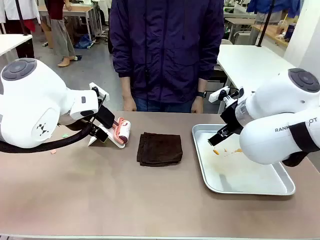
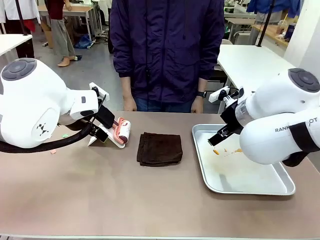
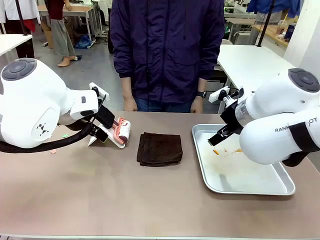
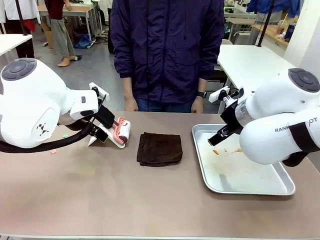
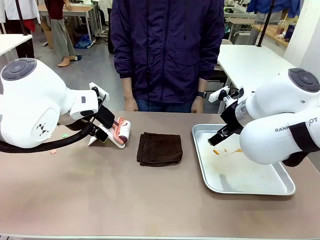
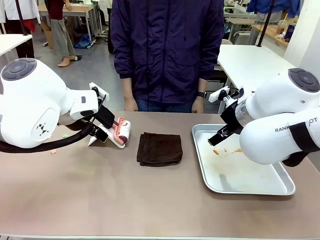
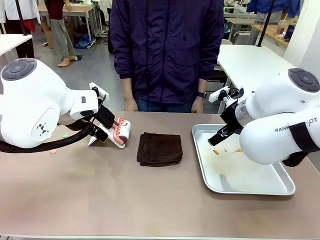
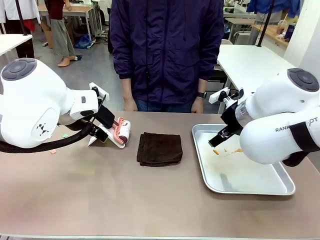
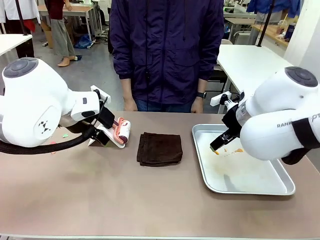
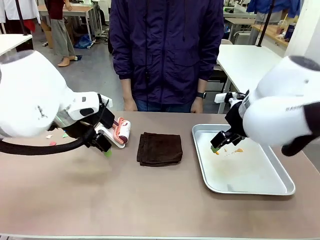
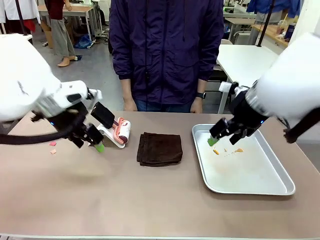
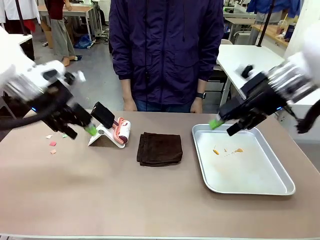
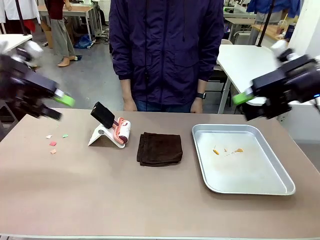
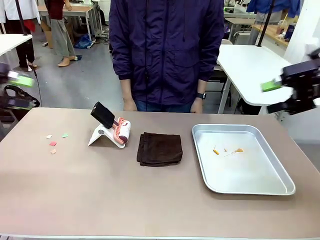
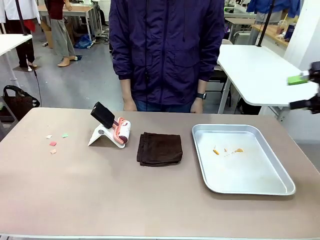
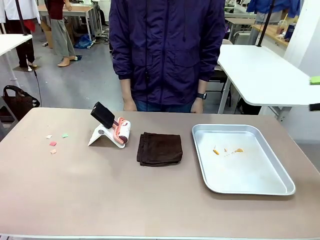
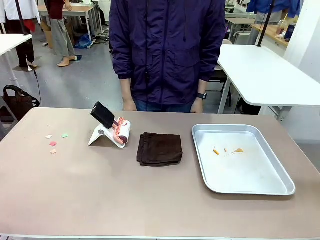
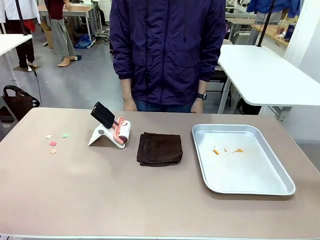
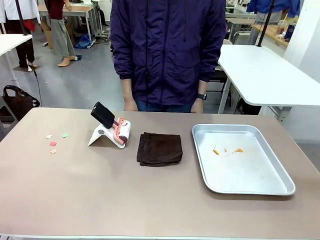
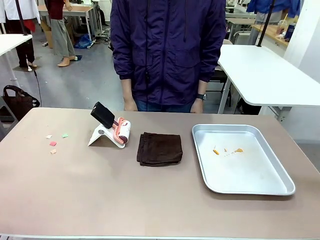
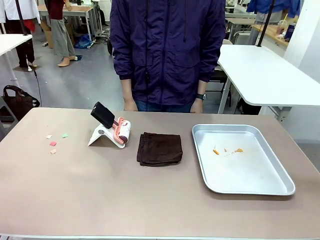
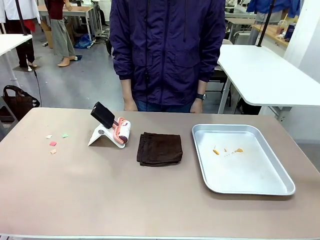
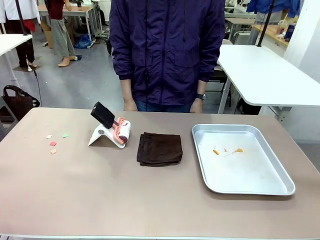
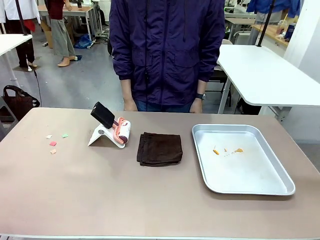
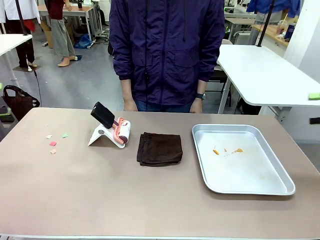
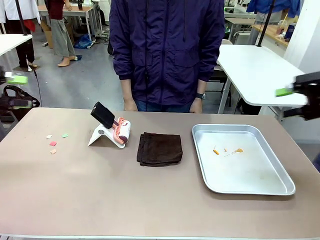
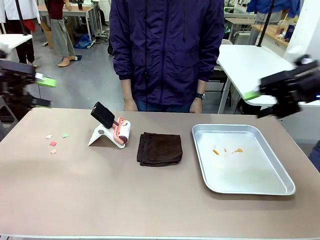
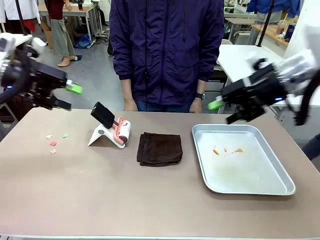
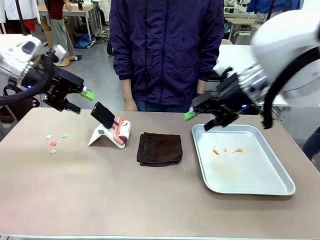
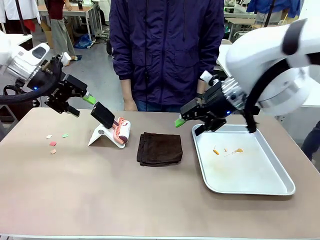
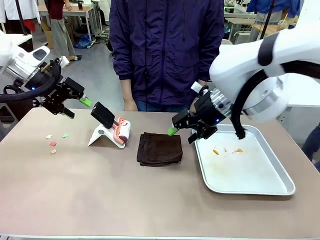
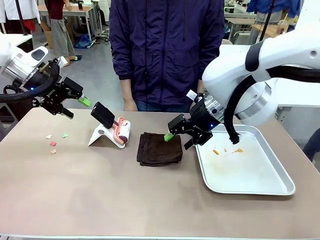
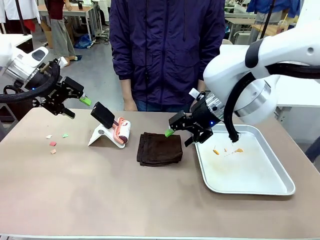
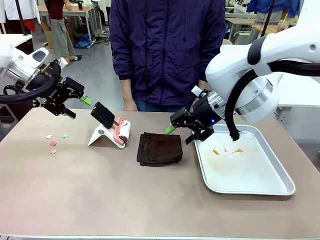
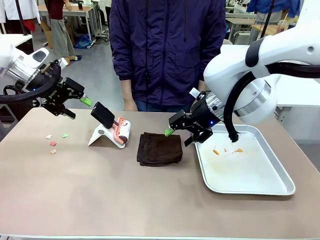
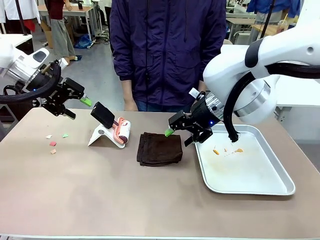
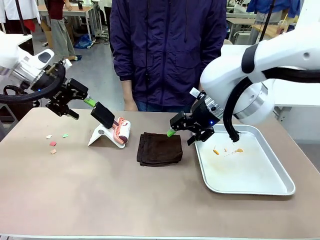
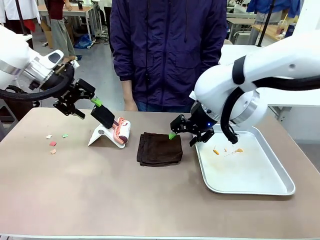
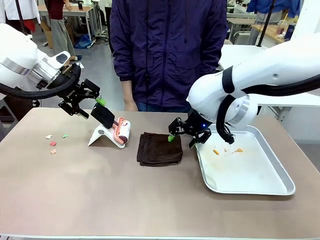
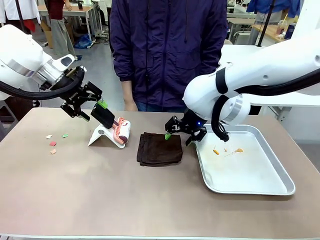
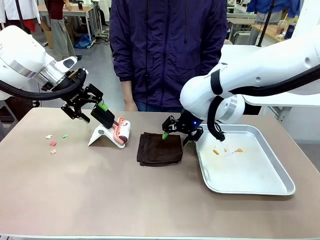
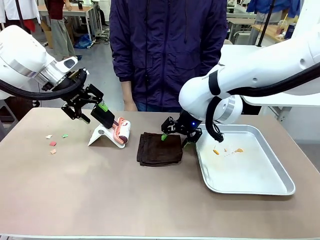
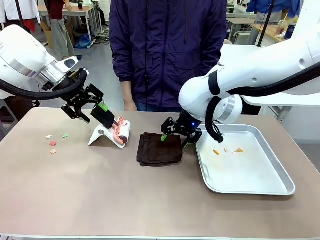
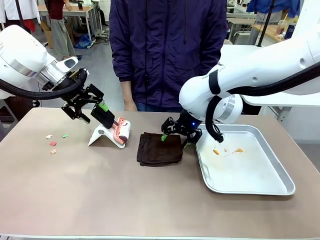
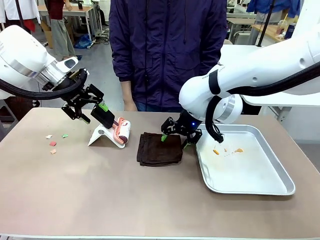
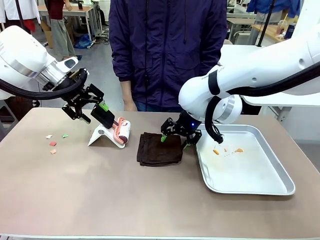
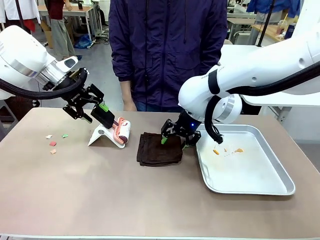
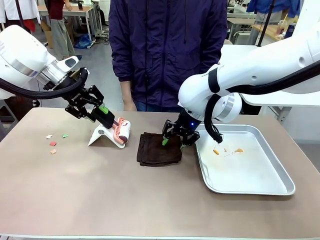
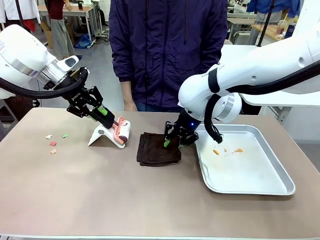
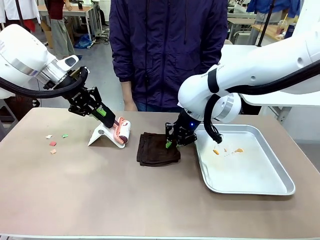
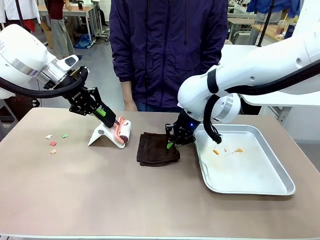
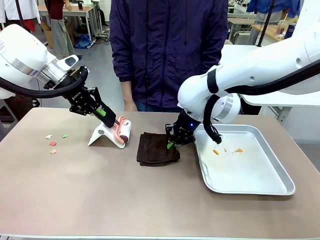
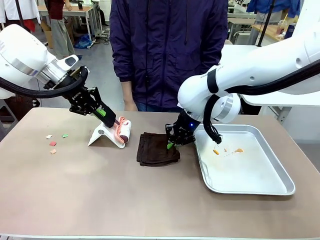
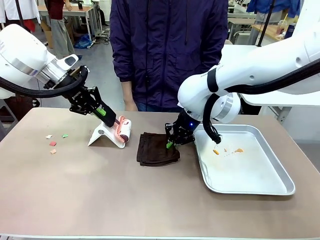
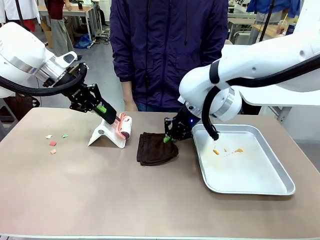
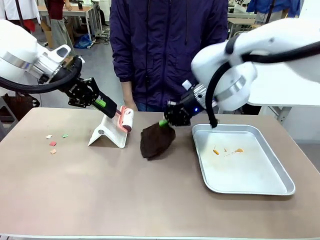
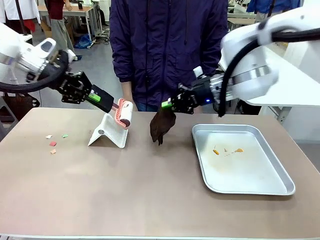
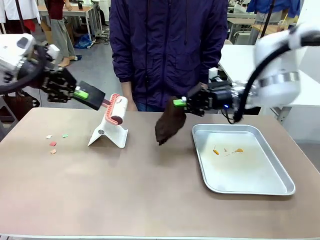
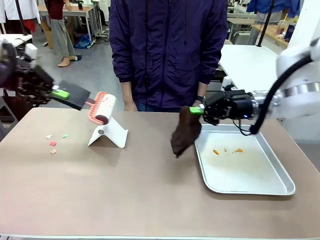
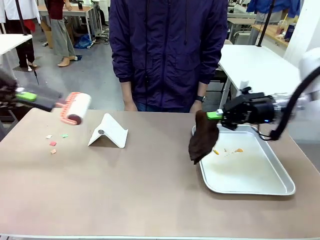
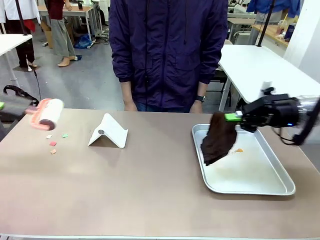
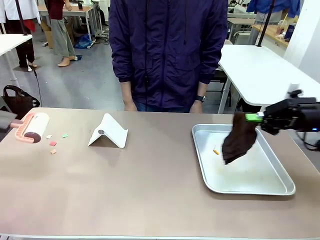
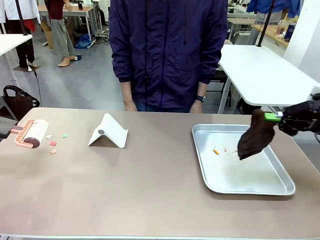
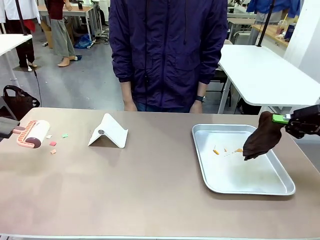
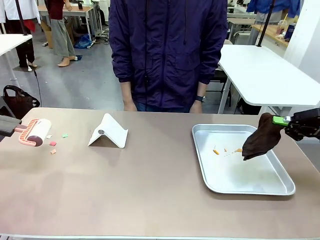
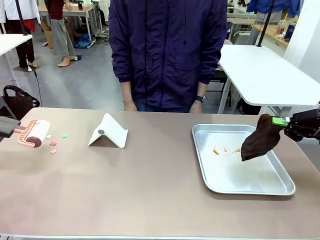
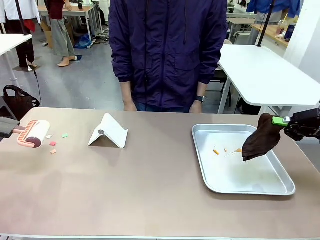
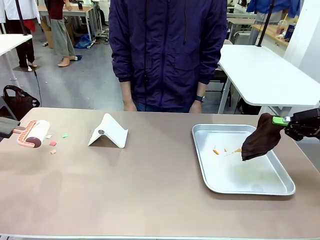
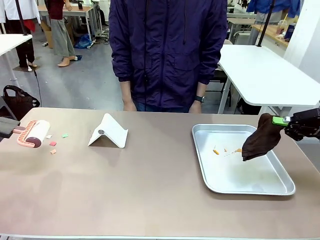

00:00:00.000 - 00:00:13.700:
Task: Clean the surface of the table.
Robot: Hold the Lint Roller with your left hand and the towel with your right hand.

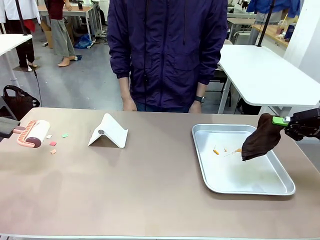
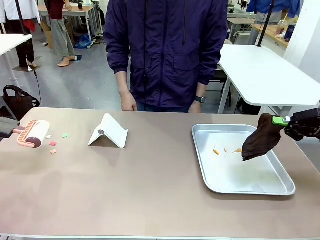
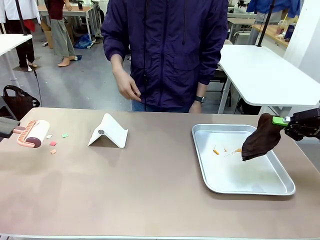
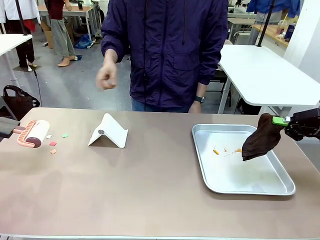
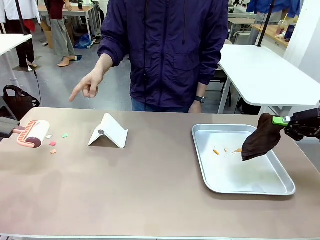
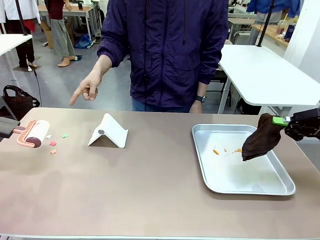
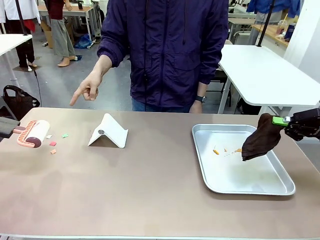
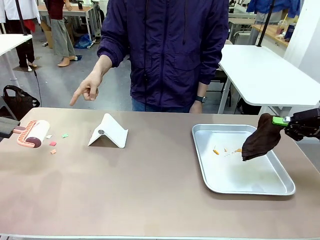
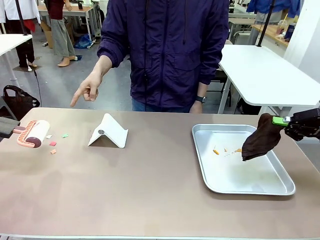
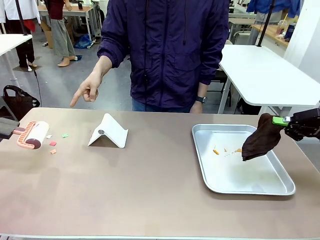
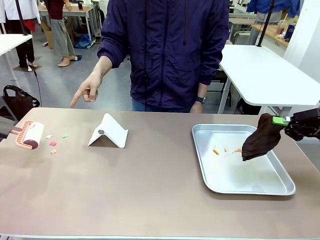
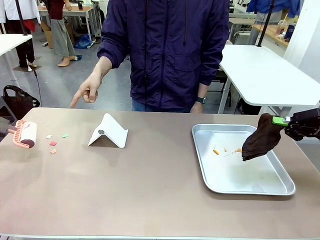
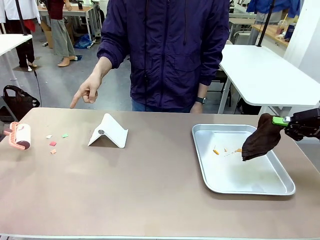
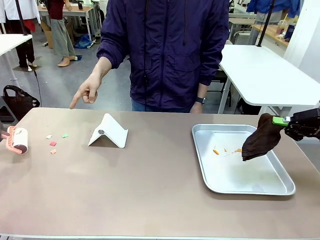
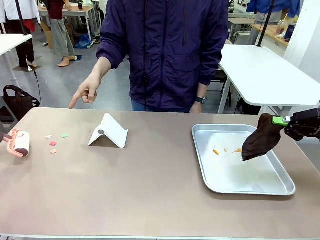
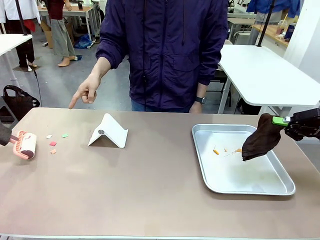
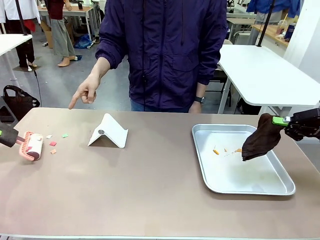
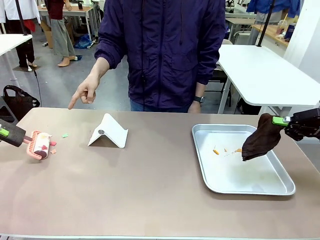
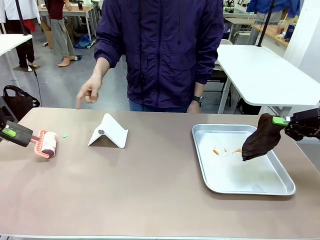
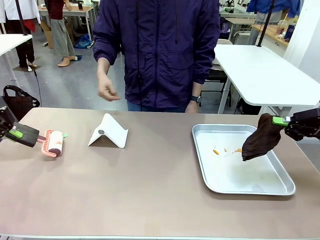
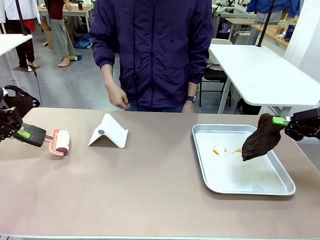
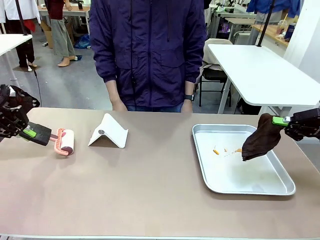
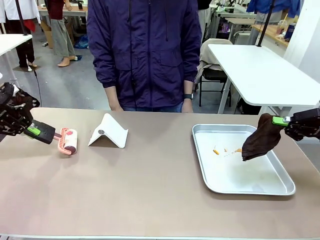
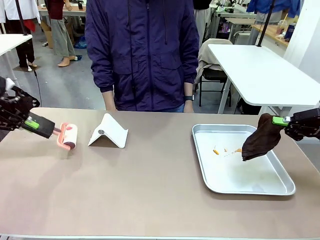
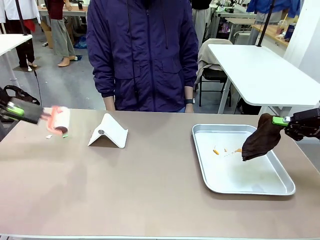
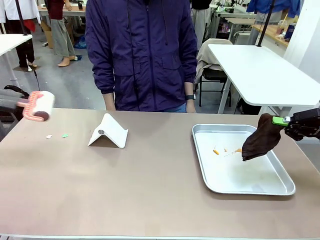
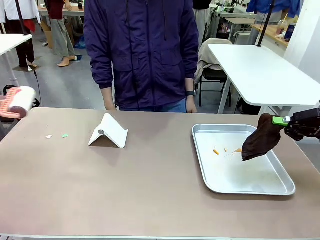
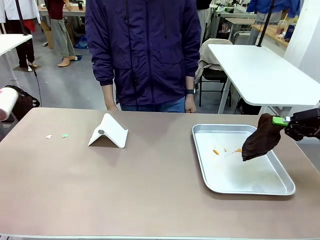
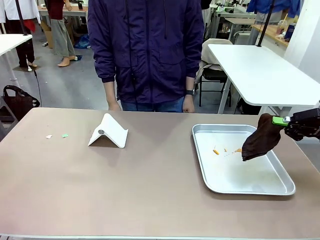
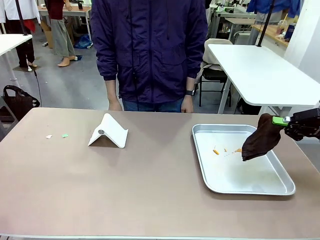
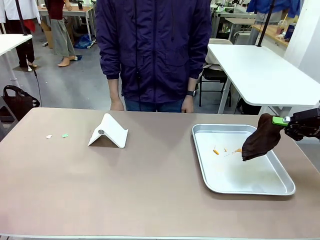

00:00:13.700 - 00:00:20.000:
Robot: If a person points to the right, clean the right side of the table with your right hand, and if they point to the left, clean the left side with your left hand.

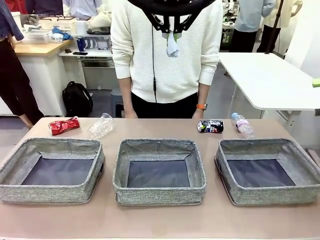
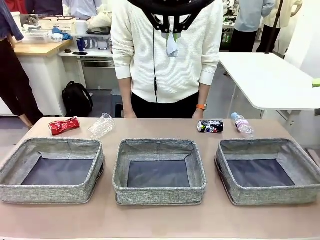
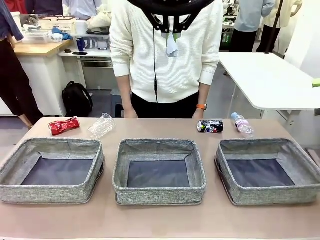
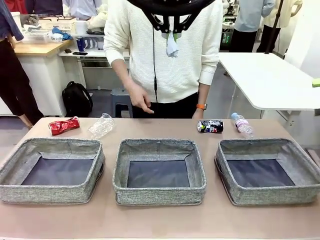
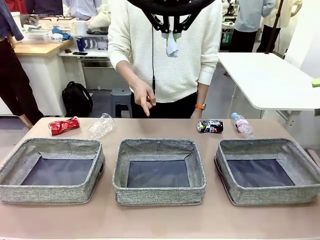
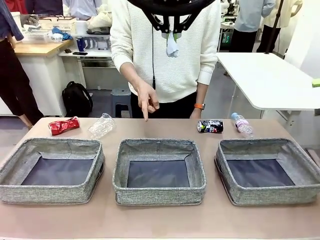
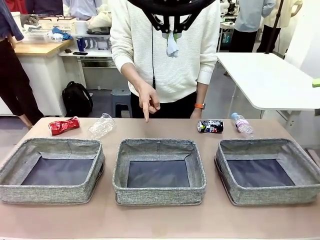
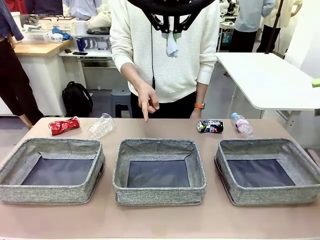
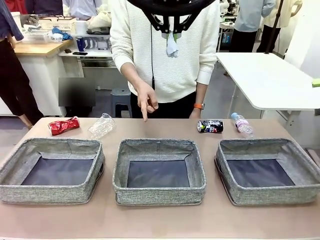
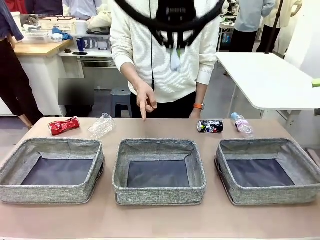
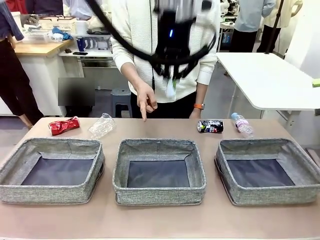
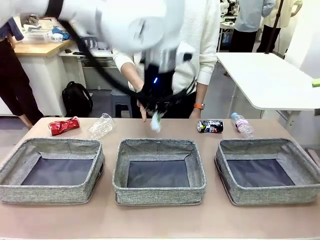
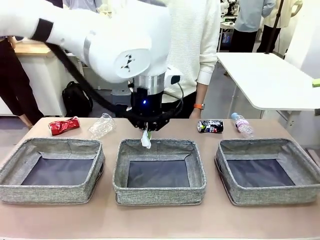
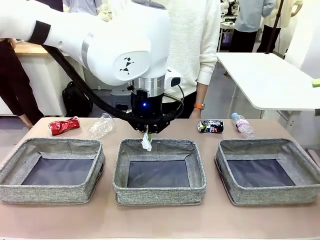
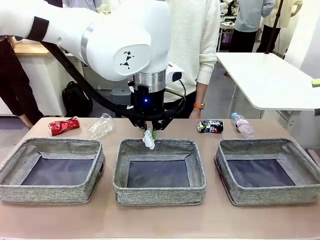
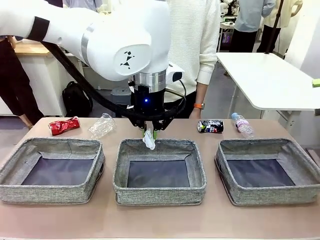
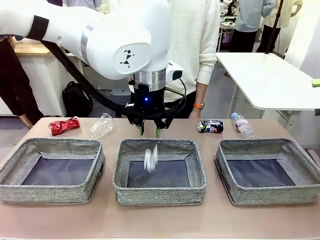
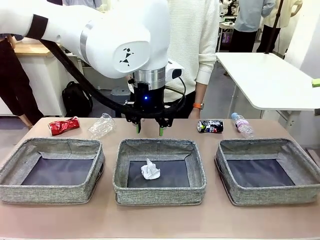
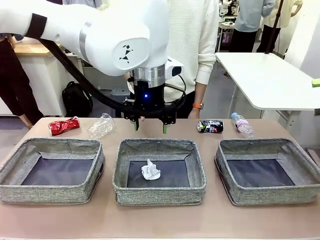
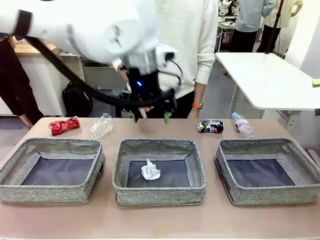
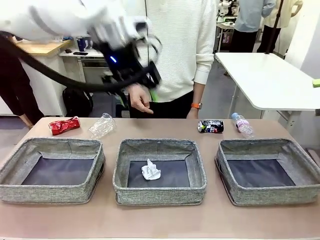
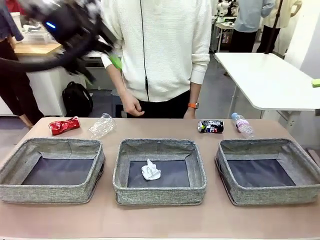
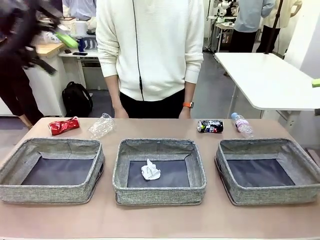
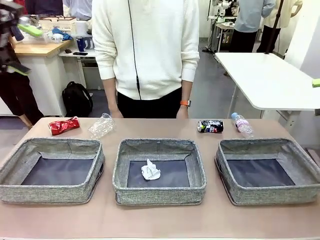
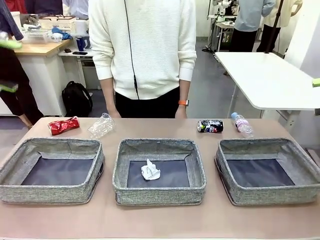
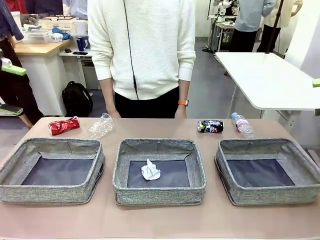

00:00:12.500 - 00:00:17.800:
Task: Sort the waste into the appropriate baskets.
Robot: Place the picked waste into the Fabric basket indicated by the person.
Person: Instructs the robot to place the picked-up trash into the appropriate organizing basket.
